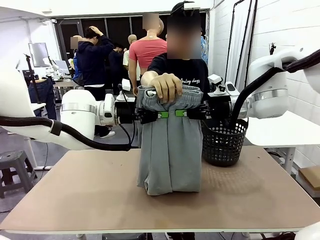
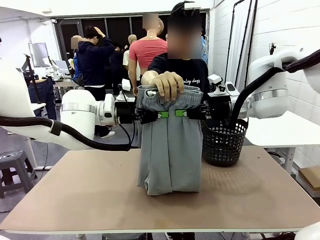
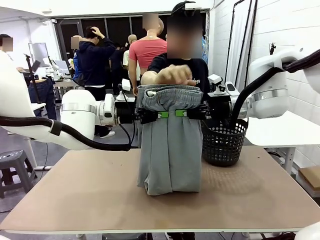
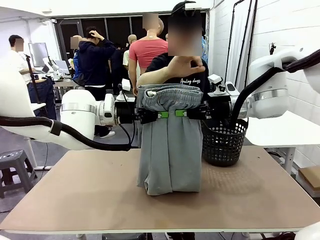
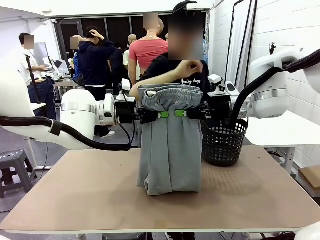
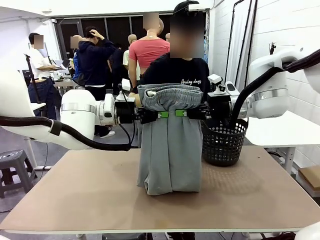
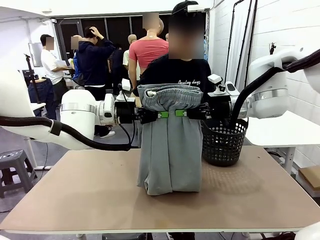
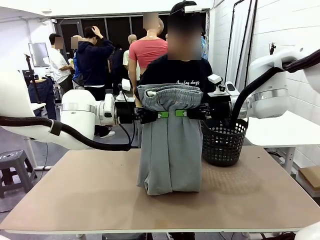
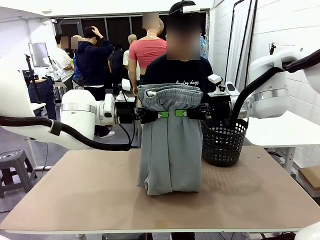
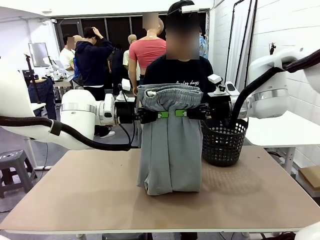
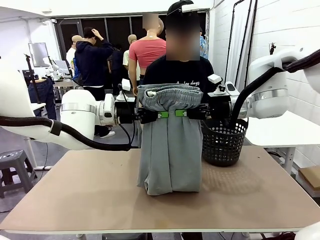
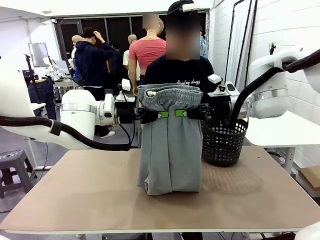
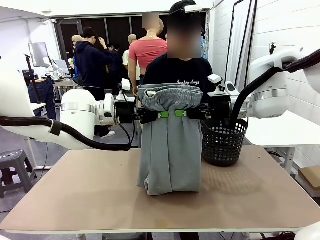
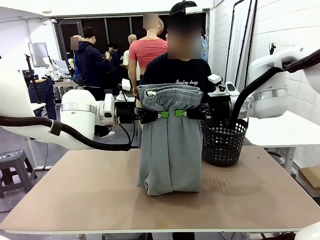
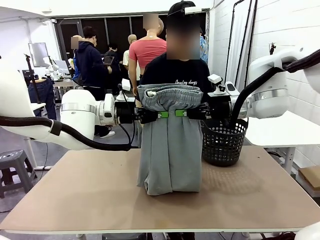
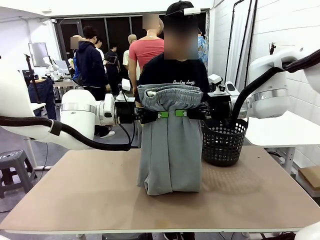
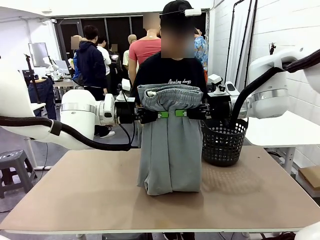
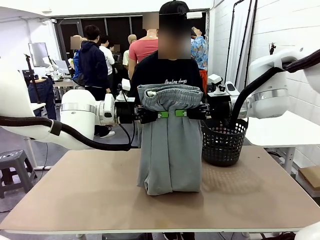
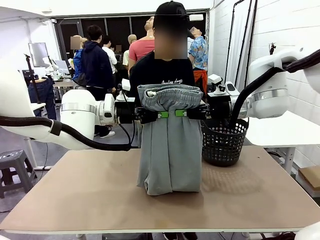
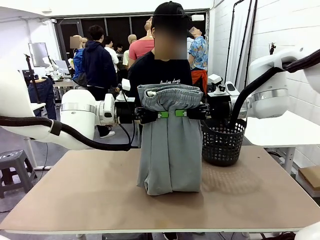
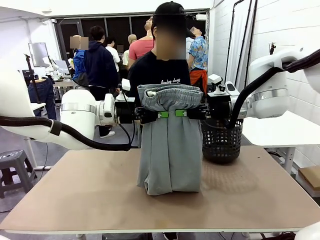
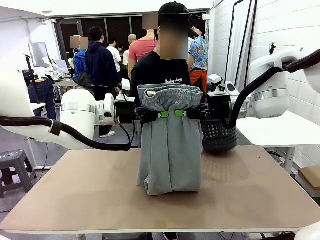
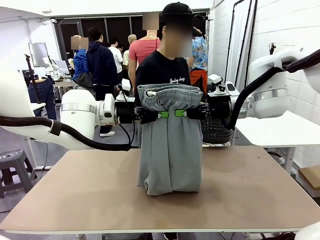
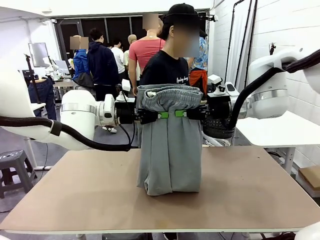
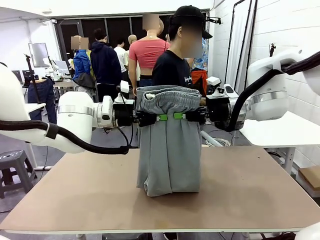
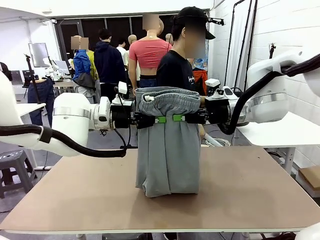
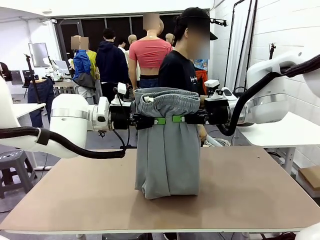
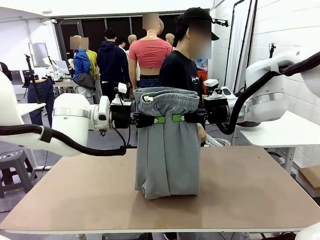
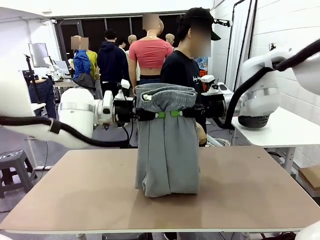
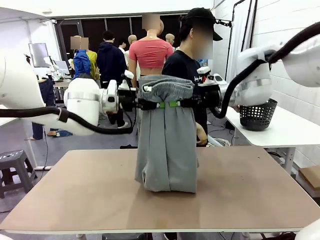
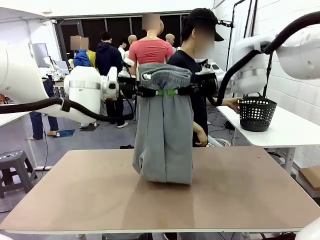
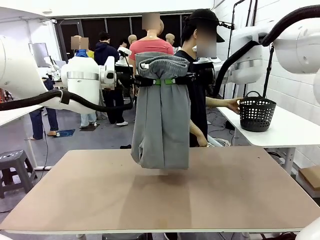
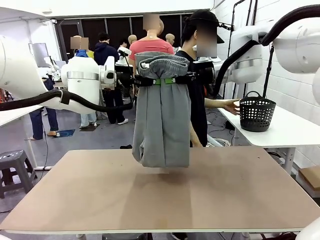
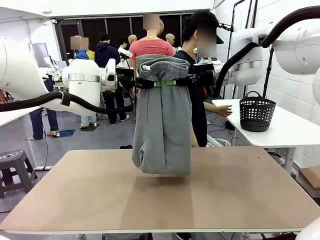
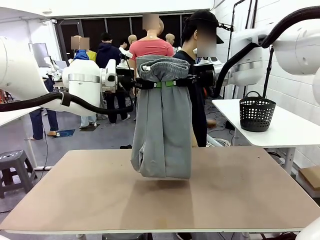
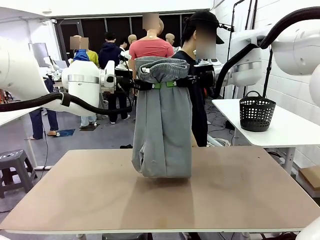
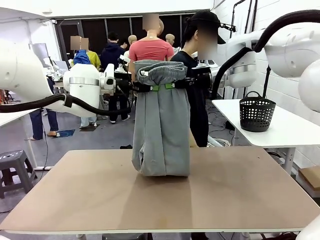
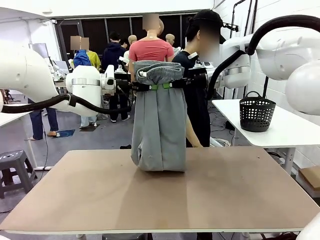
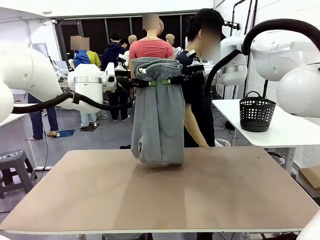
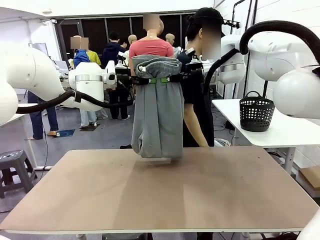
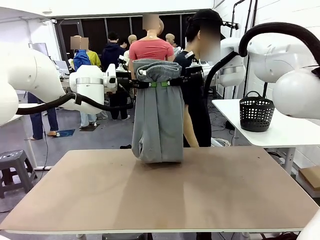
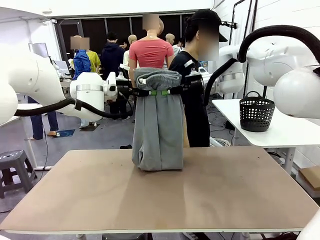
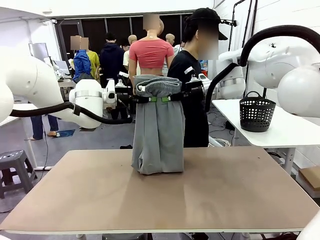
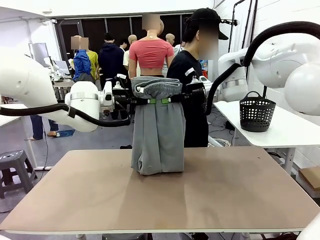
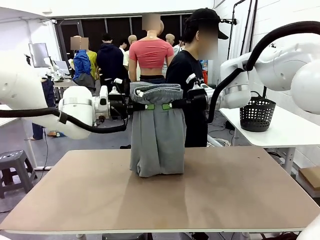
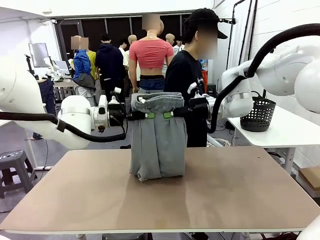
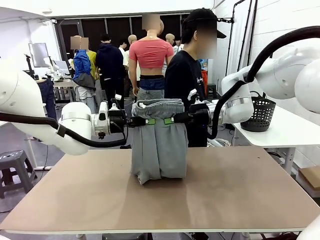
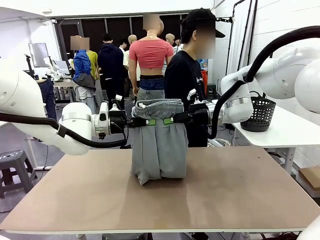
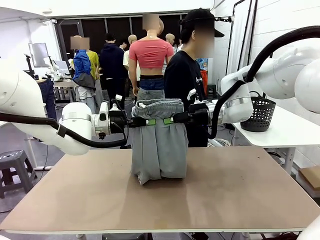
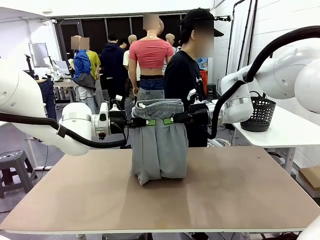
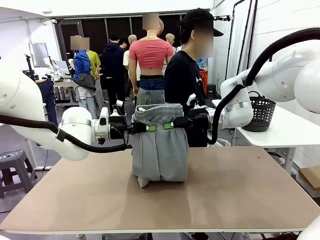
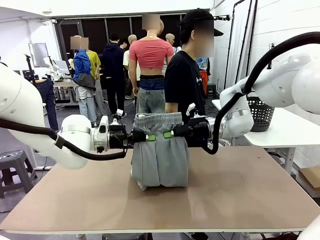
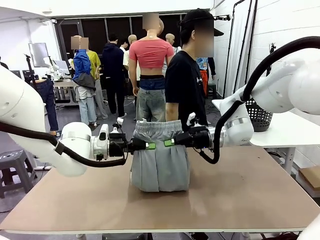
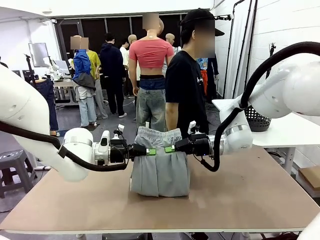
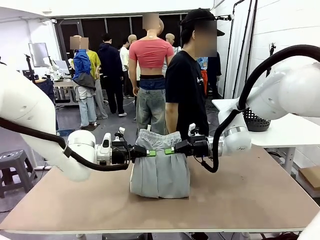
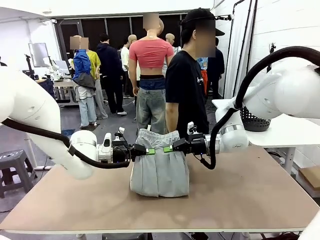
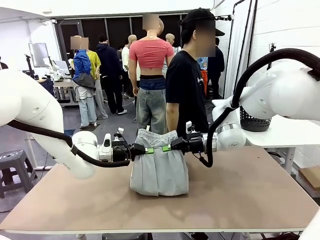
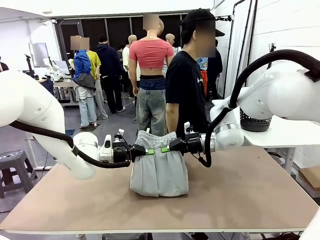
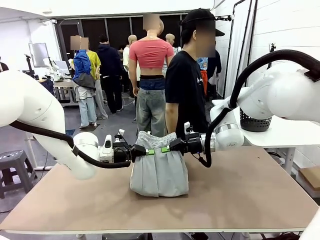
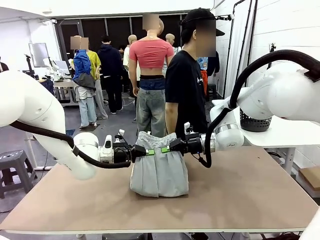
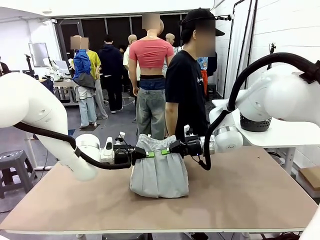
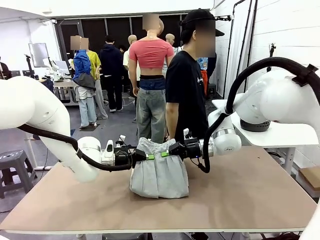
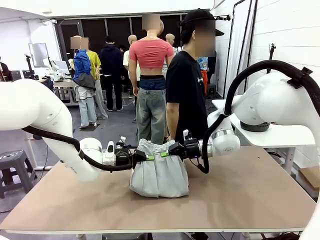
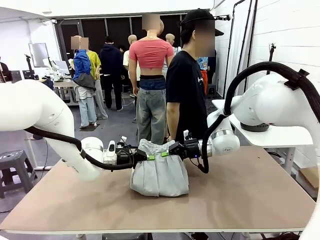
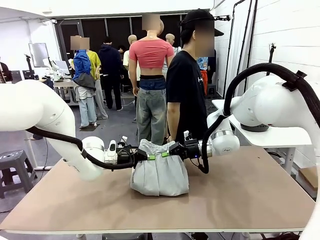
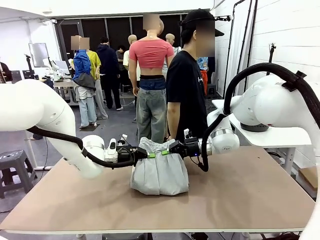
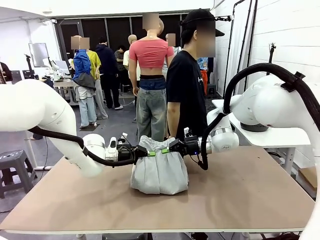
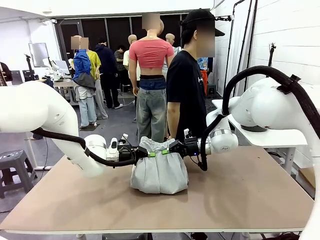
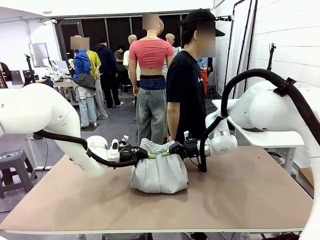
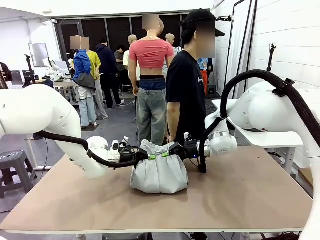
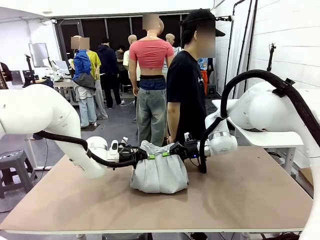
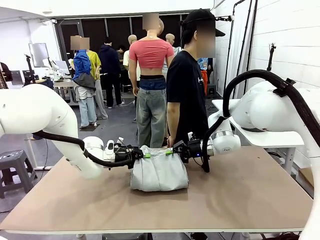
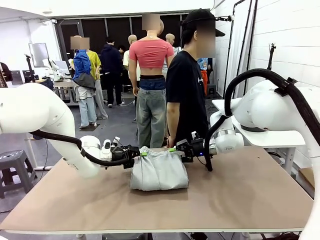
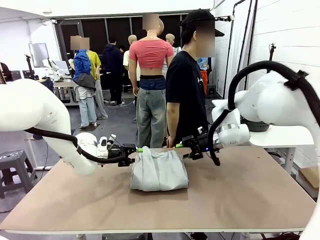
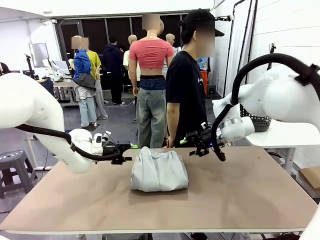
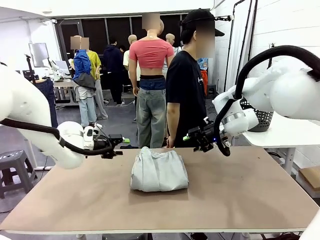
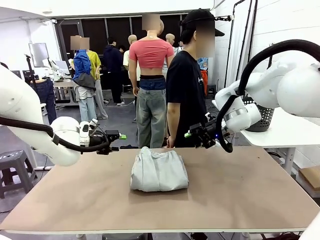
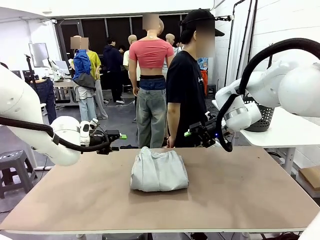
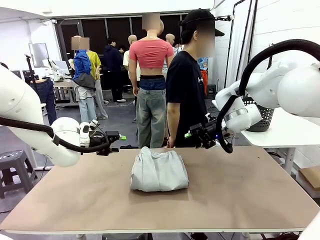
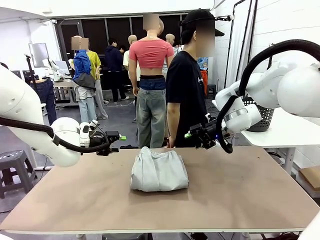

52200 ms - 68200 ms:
Task: Fold the training pants.
Robot: Fold the Training pants in half.
Person: Move the laundry basket to the right of the human table.
